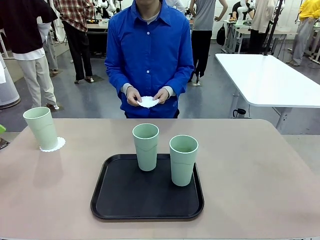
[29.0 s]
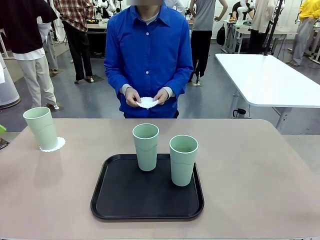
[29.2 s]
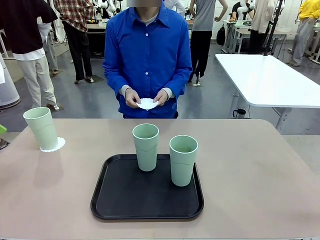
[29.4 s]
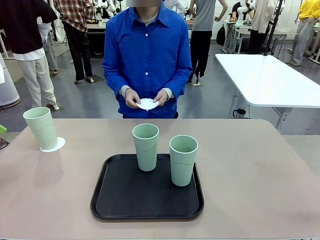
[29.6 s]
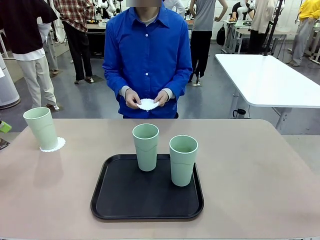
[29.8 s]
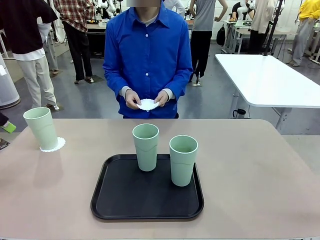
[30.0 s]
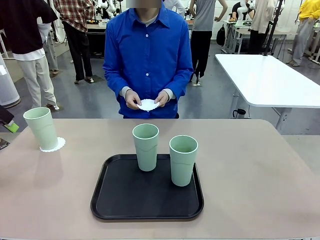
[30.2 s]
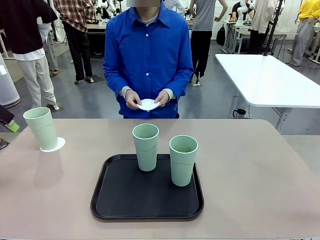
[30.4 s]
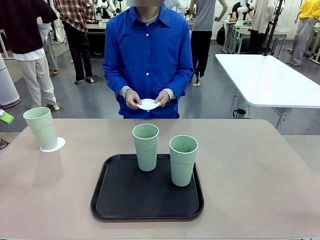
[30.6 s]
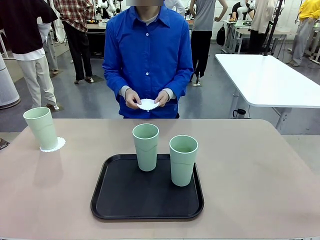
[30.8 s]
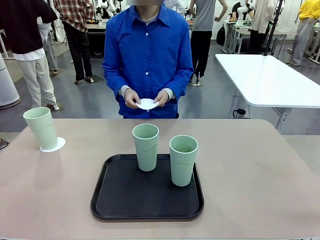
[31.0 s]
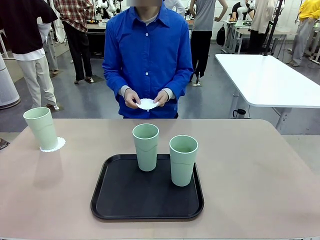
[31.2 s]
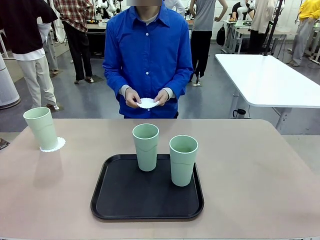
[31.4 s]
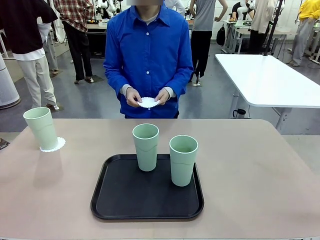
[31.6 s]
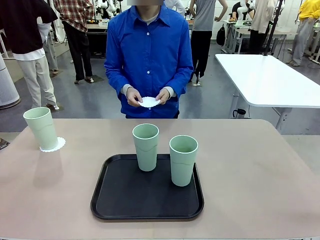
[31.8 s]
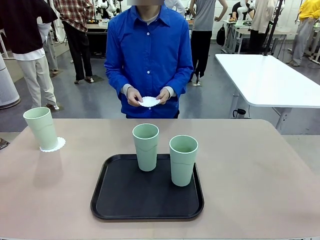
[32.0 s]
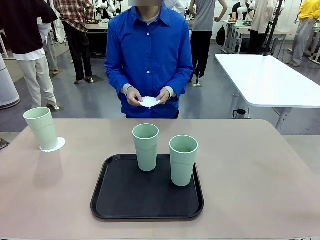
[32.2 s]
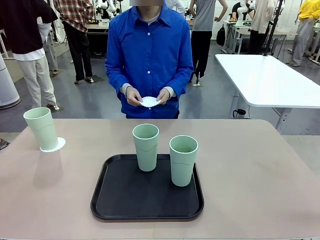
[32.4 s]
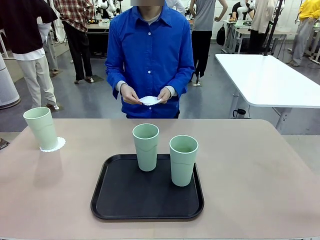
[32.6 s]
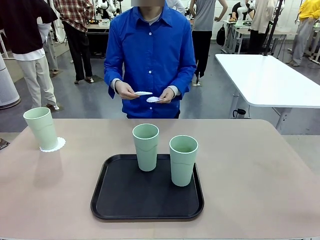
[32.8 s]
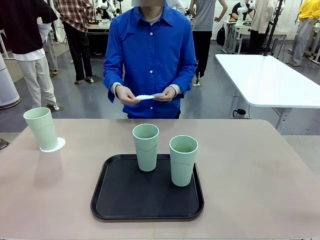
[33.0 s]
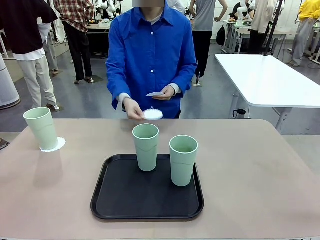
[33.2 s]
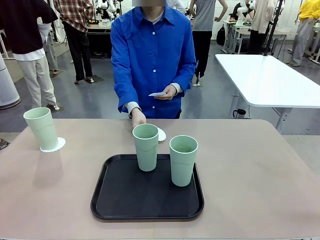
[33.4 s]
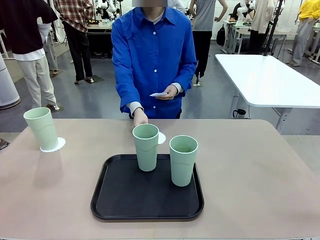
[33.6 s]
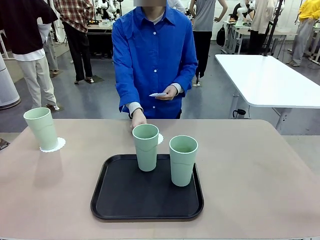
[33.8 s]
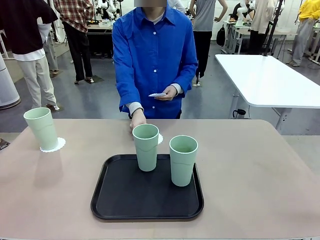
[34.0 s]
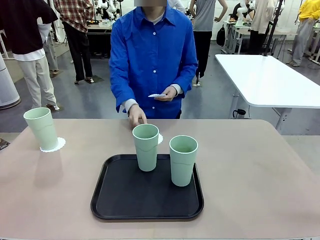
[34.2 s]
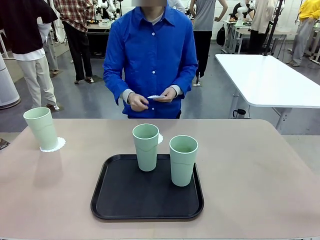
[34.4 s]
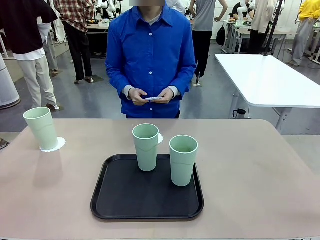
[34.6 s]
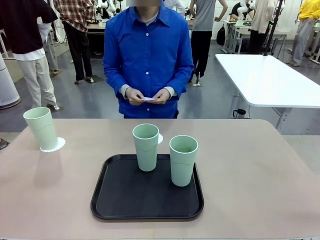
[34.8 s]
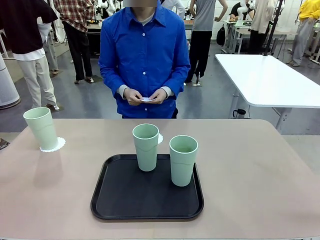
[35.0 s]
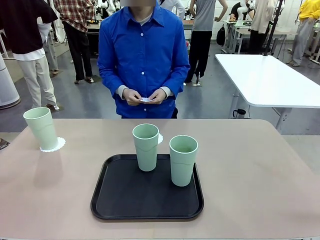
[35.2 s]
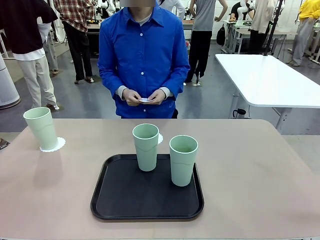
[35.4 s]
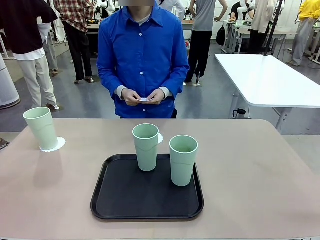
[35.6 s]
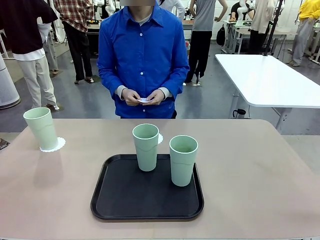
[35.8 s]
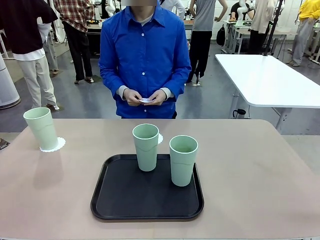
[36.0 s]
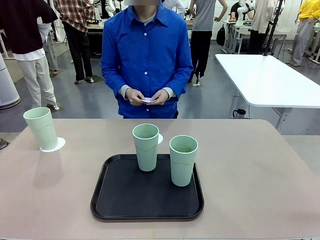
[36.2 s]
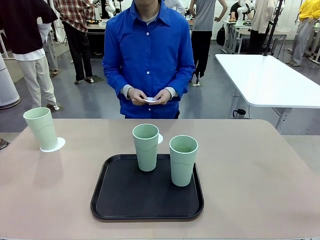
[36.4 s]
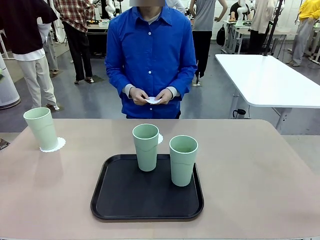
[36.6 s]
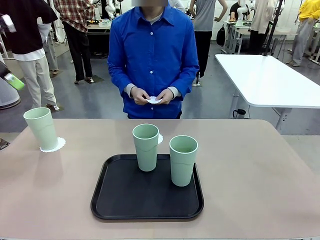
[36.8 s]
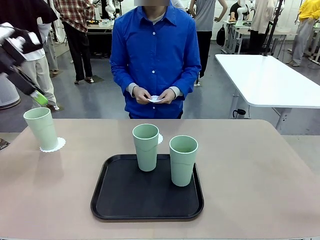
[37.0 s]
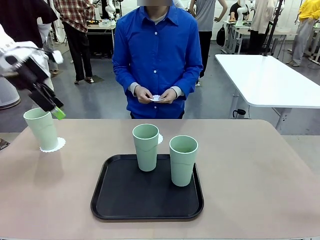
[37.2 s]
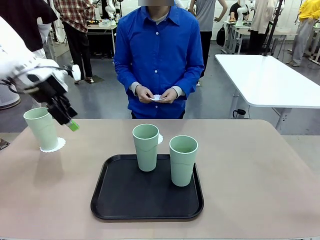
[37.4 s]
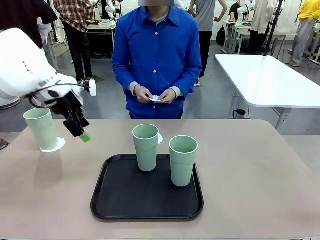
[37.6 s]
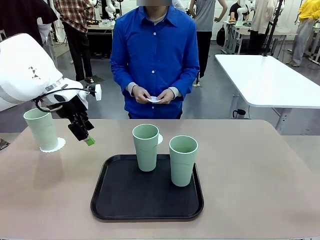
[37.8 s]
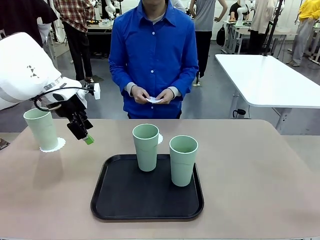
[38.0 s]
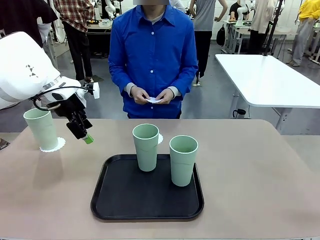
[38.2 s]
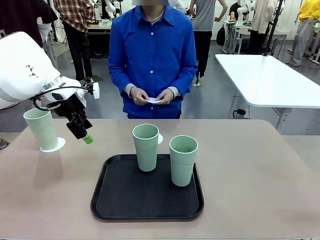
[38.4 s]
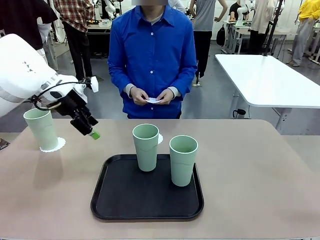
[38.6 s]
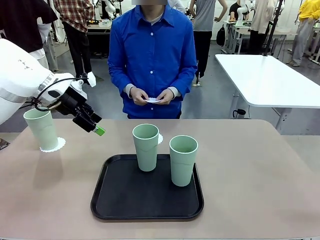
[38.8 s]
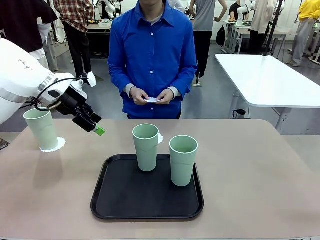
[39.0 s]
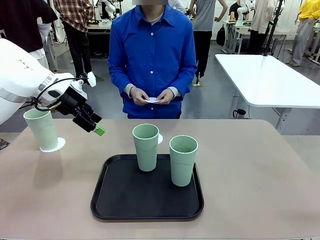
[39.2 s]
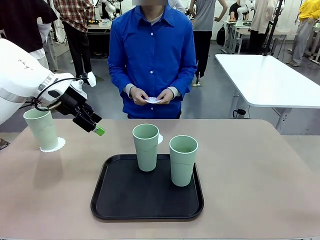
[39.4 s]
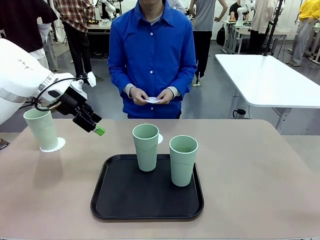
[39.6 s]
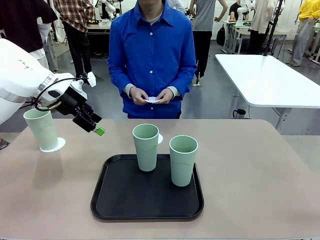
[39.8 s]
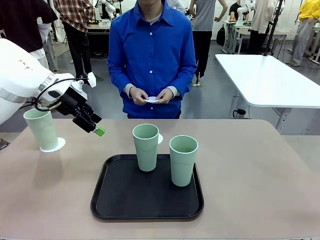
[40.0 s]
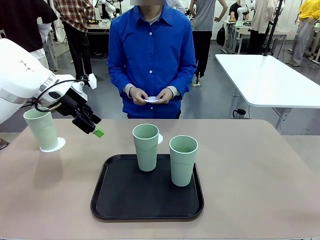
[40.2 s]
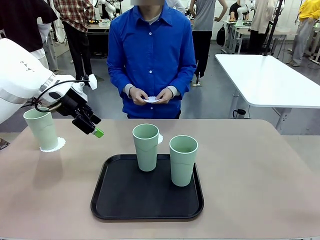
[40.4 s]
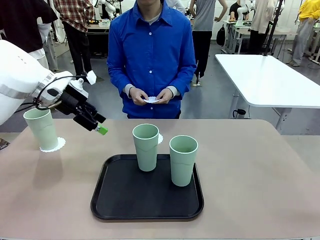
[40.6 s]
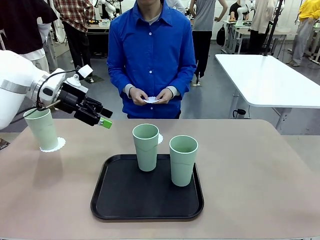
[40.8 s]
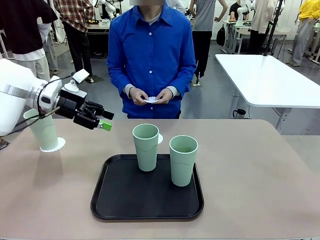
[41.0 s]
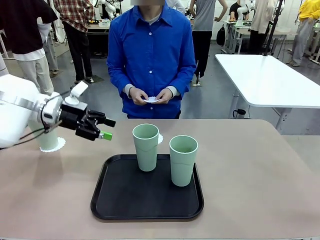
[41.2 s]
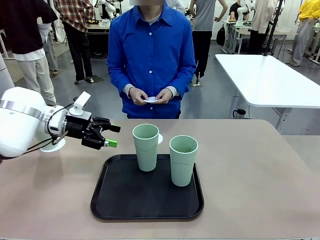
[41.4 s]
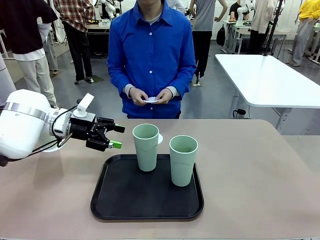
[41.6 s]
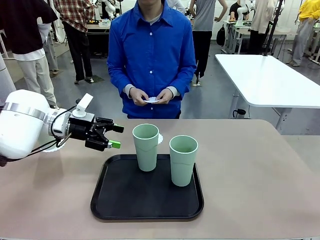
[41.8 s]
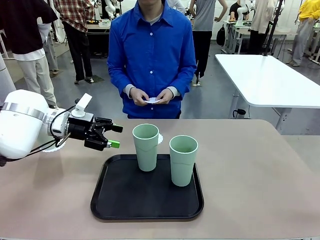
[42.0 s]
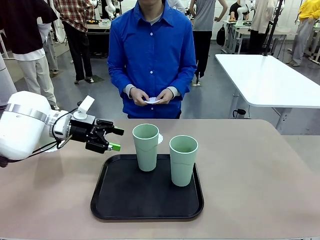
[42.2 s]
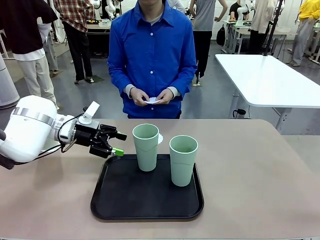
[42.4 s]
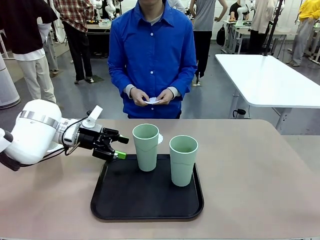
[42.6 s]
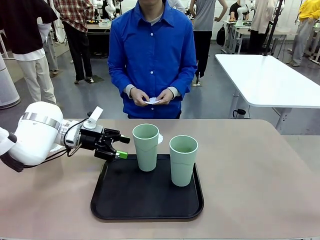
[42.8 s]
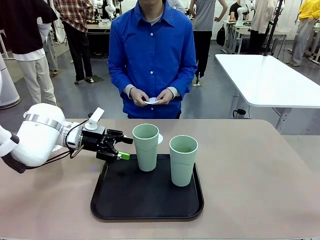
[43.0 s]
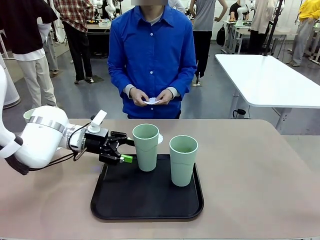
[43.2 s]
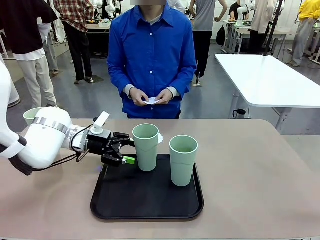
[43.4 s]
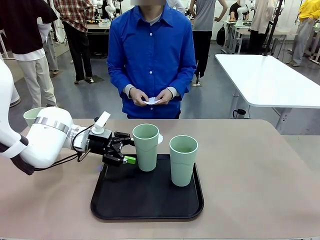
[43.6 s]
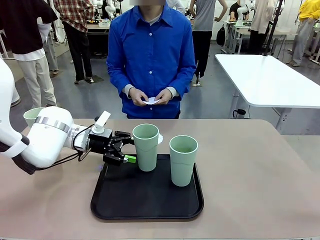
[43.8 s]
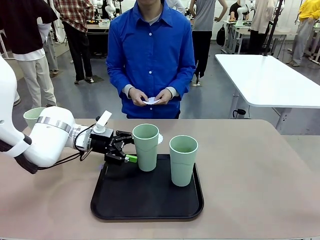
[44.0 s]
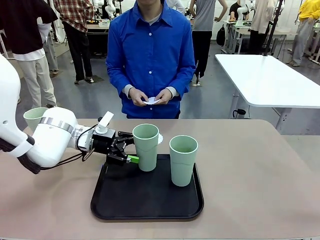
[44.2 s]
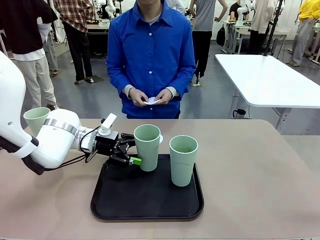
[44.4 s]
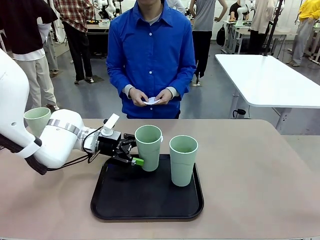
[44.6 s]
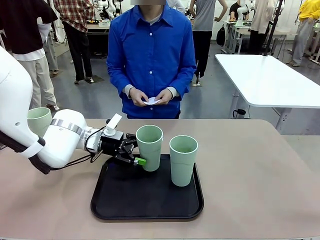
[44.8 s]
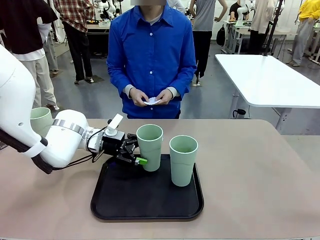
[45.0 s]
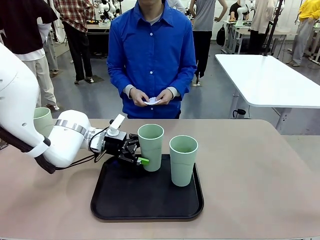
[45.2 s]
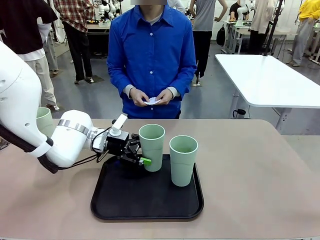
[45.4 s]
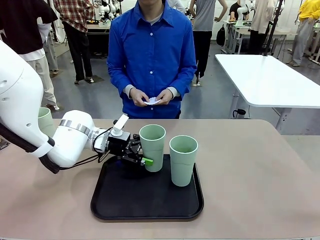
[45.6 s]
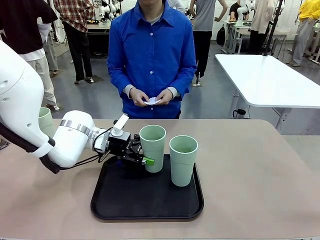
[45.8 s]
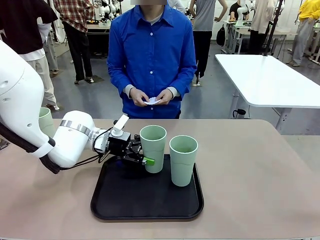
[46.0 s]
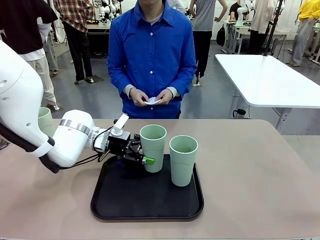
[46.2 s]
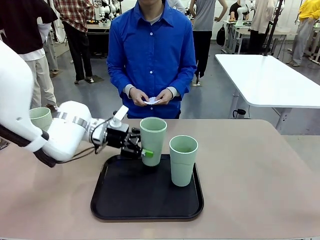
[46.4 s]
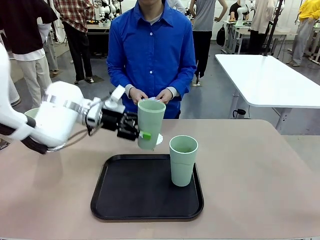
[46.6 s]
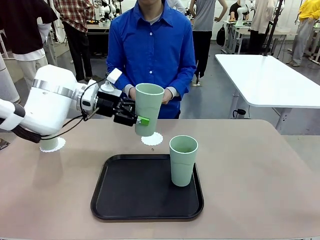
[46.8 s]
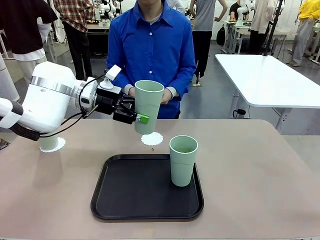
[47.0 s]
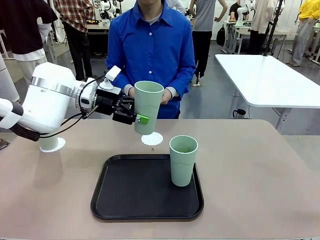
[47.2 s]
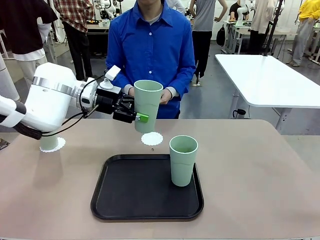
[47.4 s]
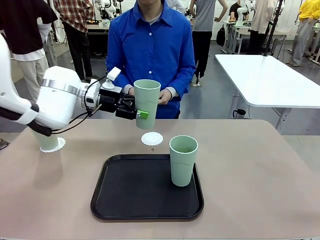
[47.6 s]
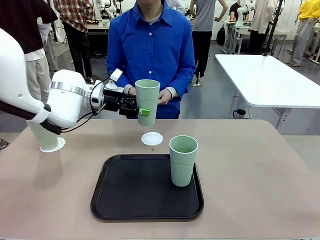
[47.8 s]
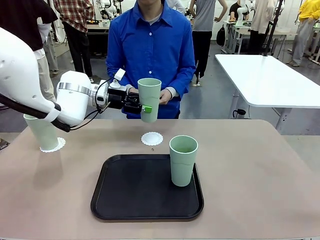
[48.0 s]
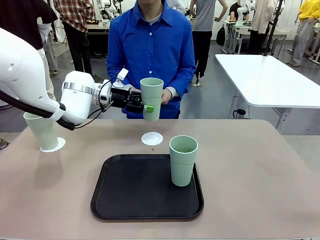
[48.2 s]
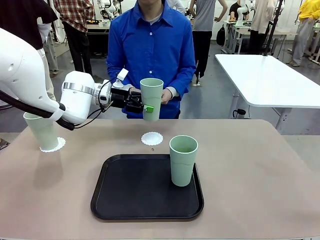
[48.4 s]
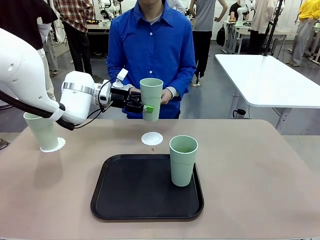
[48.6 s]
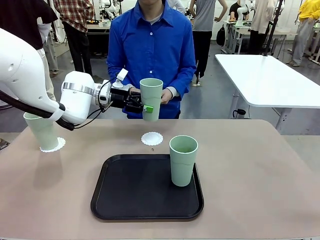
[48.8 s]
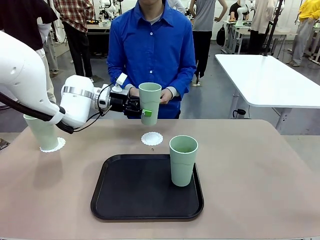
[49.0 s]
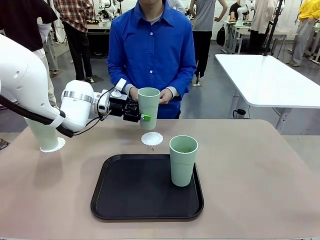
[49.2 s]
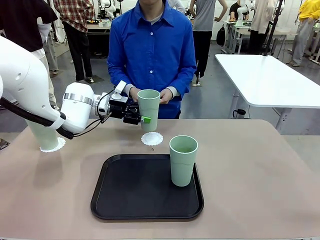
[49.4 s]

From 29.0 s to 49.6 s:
Task: Place coasters on the table and set cups on them.
Robot: Take one Reusable plastic cup from the Flat Tray and place it on a coaster set by the human.
